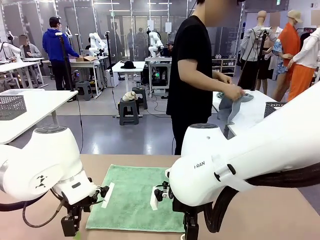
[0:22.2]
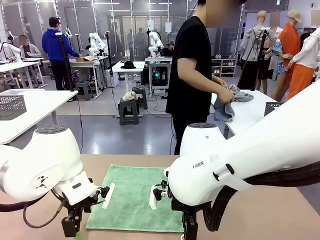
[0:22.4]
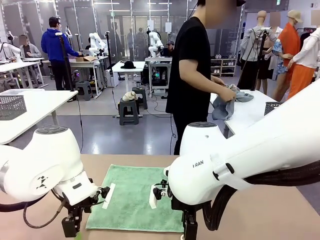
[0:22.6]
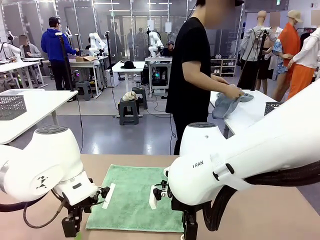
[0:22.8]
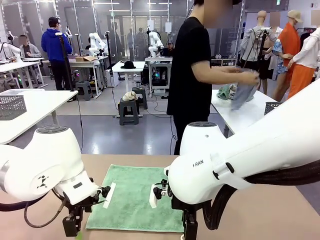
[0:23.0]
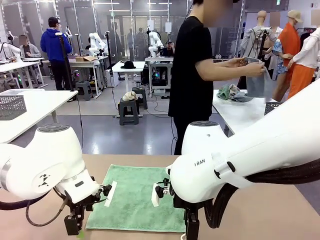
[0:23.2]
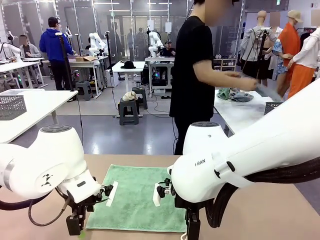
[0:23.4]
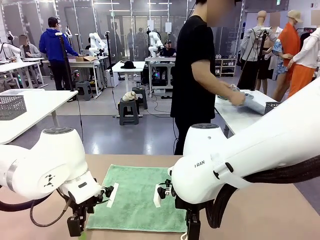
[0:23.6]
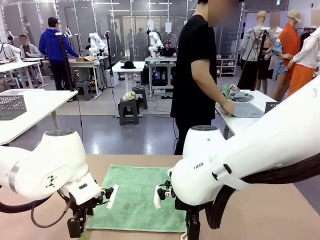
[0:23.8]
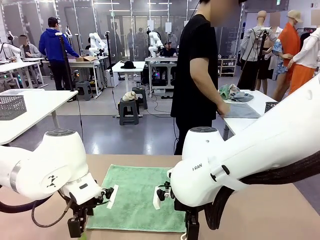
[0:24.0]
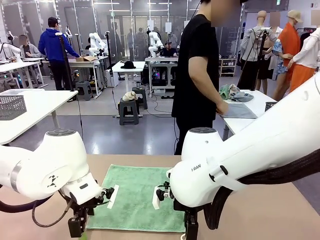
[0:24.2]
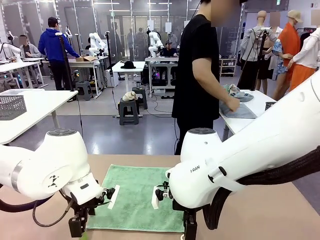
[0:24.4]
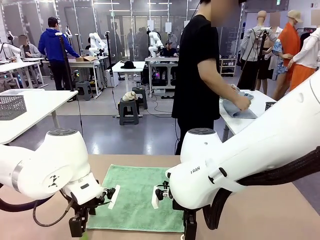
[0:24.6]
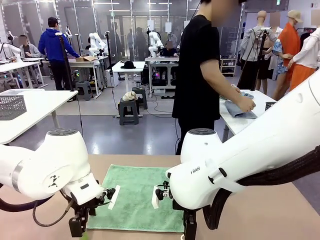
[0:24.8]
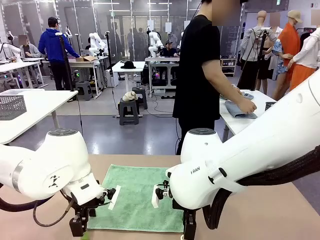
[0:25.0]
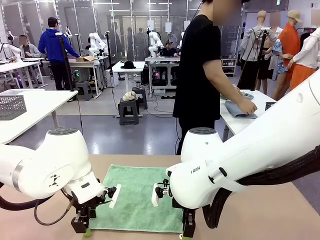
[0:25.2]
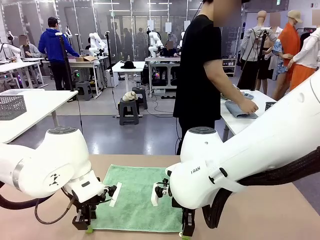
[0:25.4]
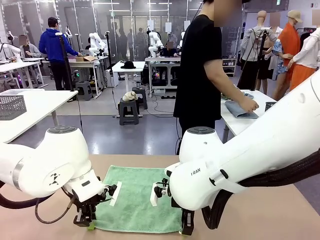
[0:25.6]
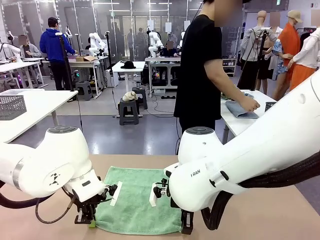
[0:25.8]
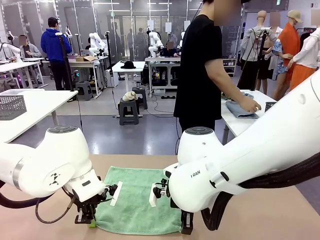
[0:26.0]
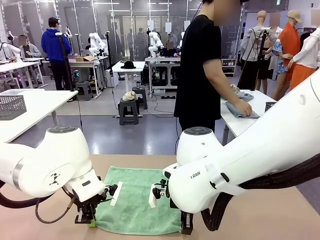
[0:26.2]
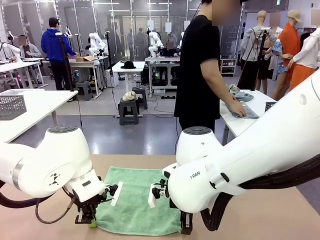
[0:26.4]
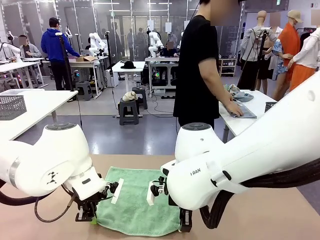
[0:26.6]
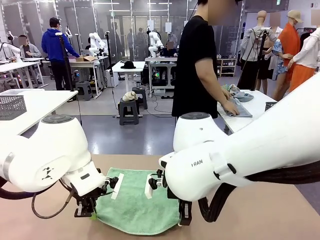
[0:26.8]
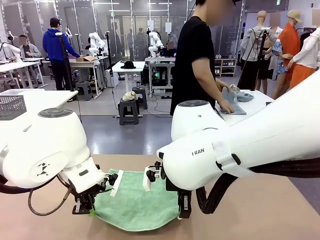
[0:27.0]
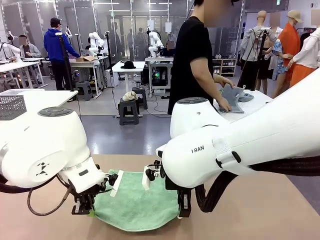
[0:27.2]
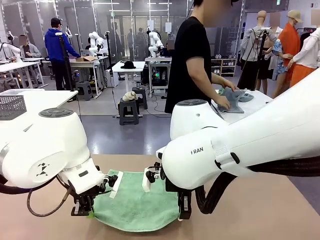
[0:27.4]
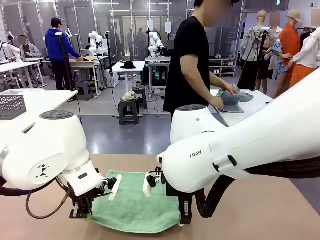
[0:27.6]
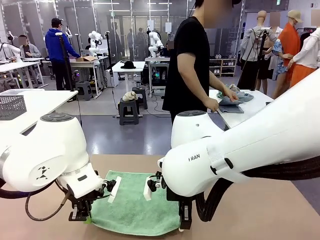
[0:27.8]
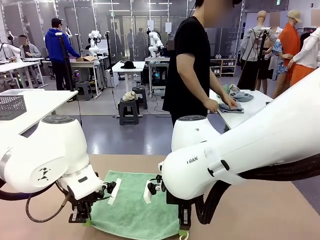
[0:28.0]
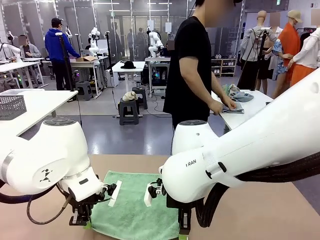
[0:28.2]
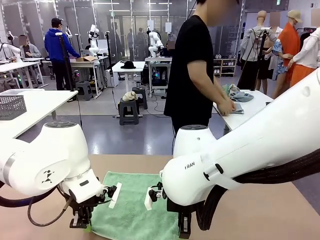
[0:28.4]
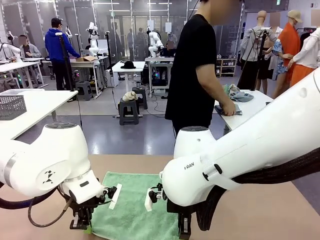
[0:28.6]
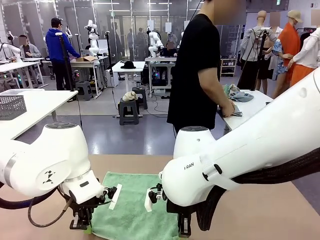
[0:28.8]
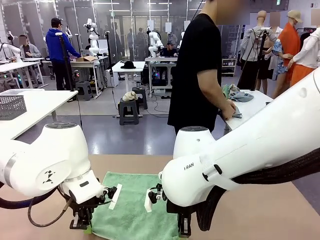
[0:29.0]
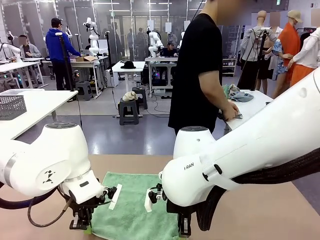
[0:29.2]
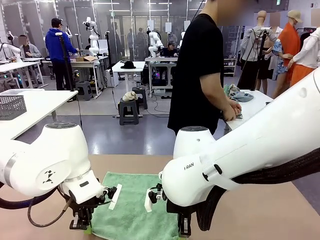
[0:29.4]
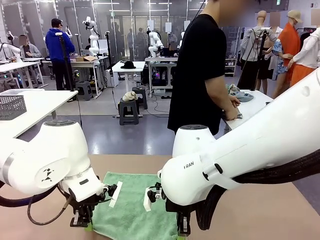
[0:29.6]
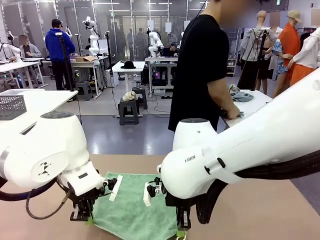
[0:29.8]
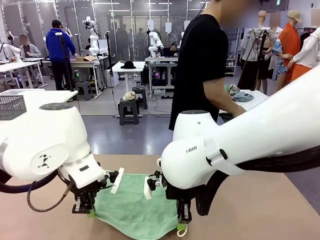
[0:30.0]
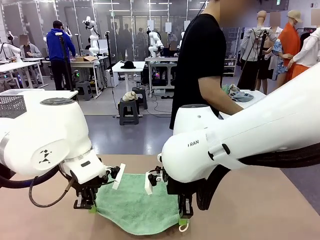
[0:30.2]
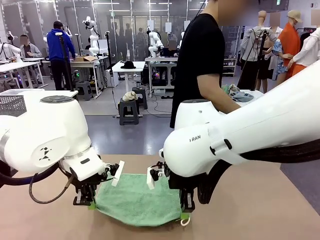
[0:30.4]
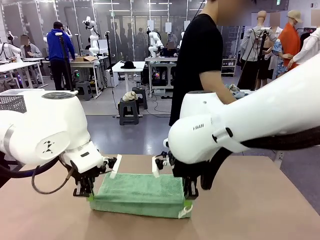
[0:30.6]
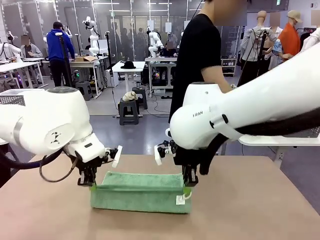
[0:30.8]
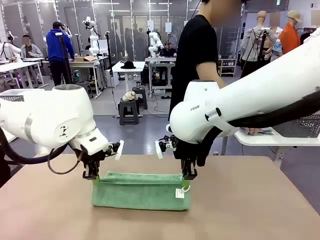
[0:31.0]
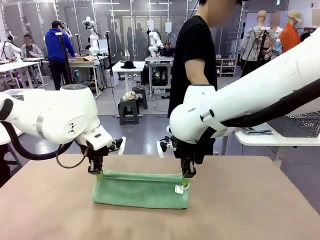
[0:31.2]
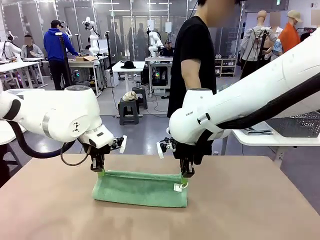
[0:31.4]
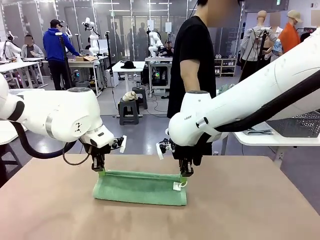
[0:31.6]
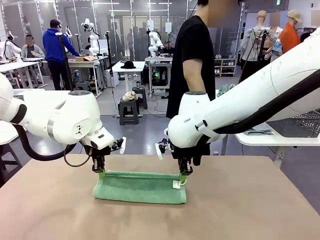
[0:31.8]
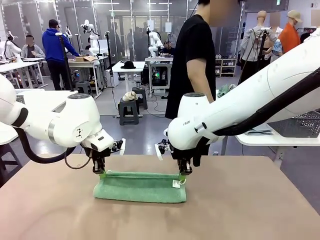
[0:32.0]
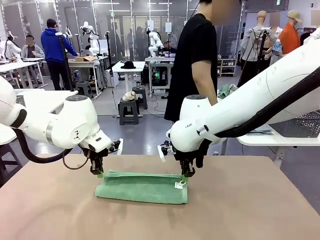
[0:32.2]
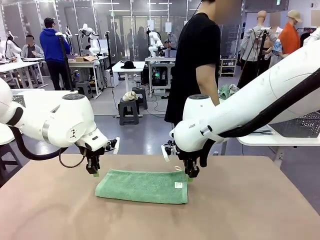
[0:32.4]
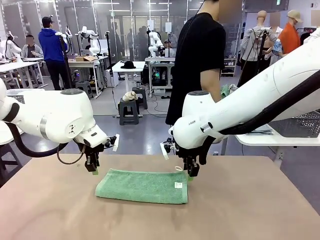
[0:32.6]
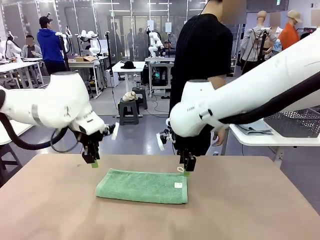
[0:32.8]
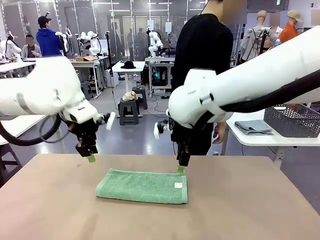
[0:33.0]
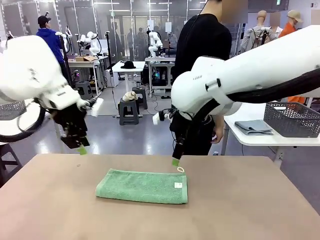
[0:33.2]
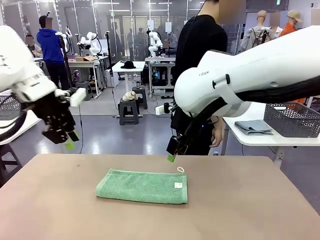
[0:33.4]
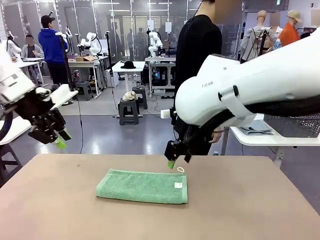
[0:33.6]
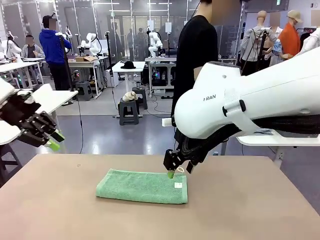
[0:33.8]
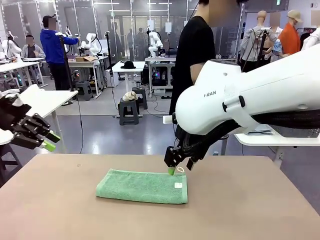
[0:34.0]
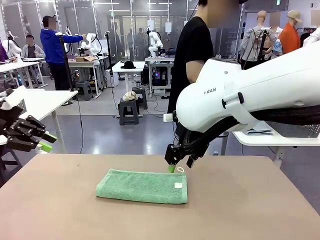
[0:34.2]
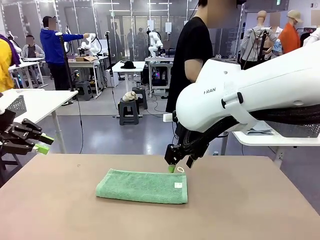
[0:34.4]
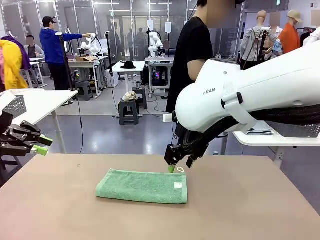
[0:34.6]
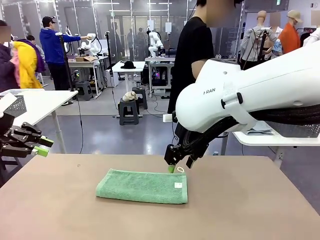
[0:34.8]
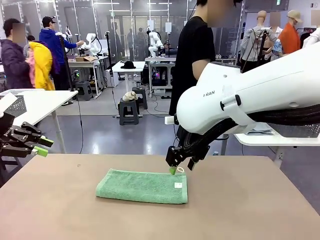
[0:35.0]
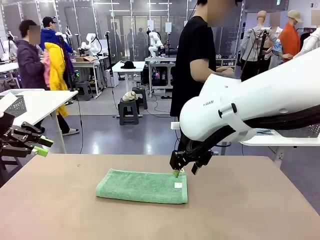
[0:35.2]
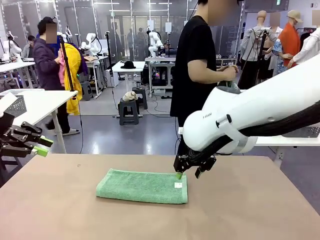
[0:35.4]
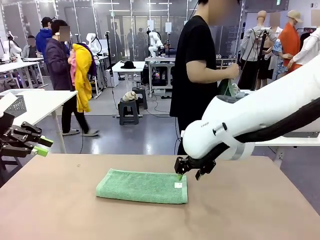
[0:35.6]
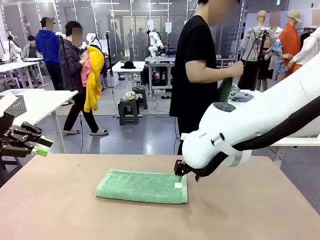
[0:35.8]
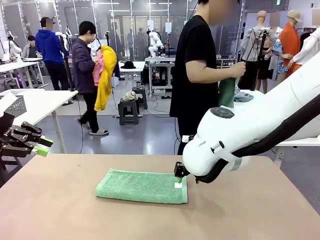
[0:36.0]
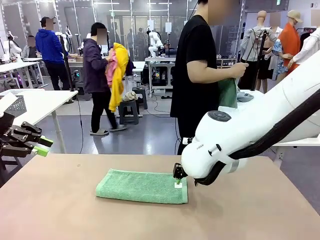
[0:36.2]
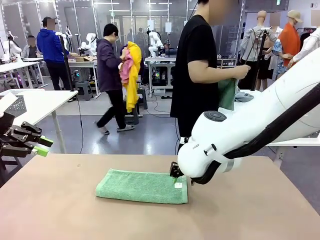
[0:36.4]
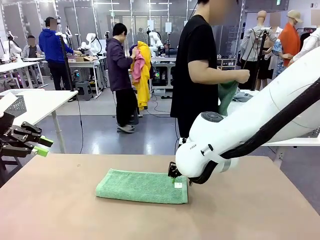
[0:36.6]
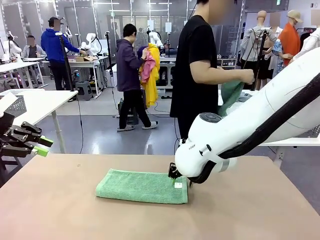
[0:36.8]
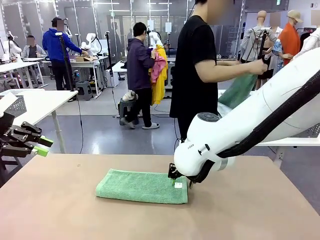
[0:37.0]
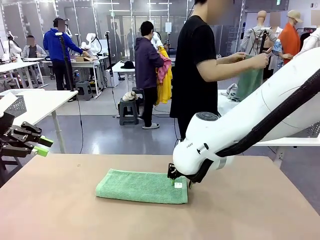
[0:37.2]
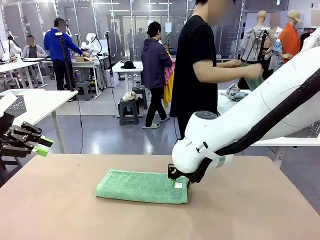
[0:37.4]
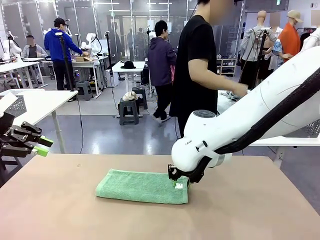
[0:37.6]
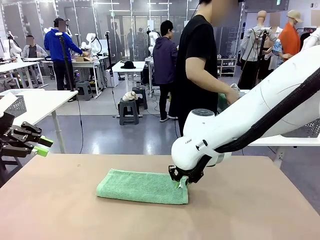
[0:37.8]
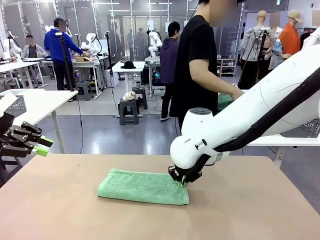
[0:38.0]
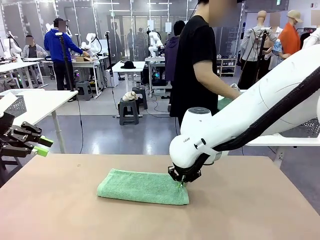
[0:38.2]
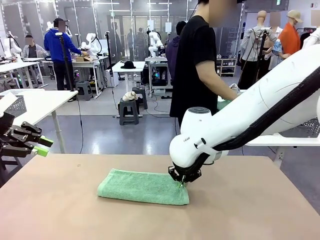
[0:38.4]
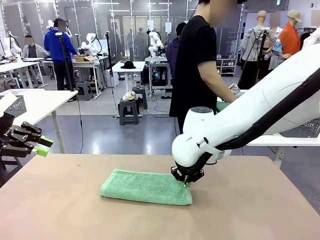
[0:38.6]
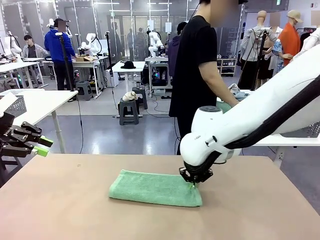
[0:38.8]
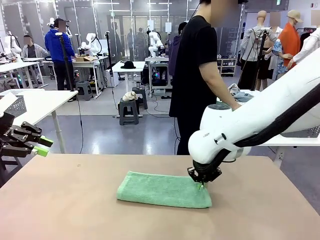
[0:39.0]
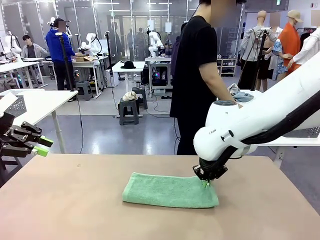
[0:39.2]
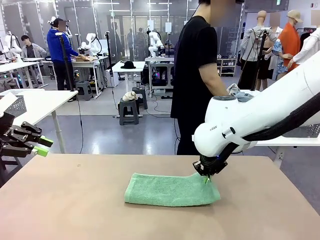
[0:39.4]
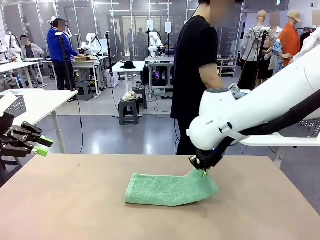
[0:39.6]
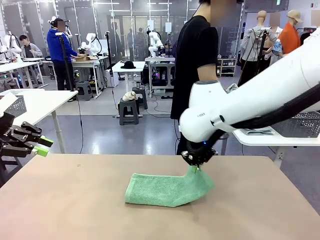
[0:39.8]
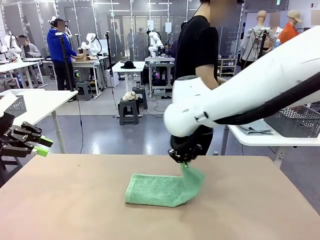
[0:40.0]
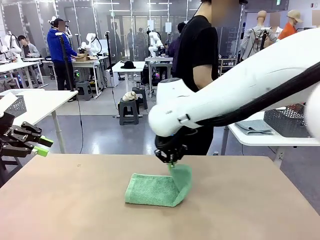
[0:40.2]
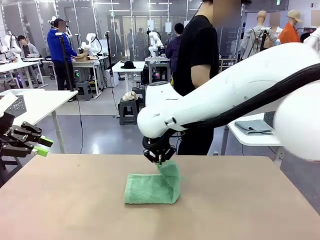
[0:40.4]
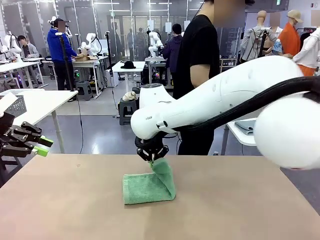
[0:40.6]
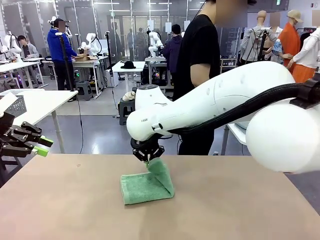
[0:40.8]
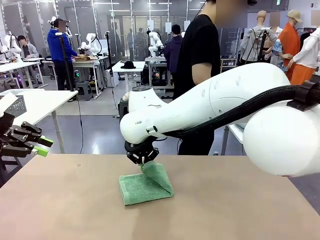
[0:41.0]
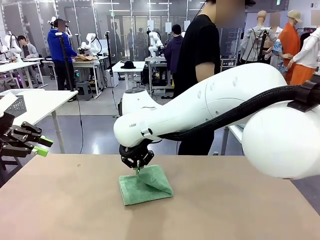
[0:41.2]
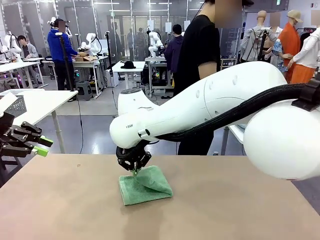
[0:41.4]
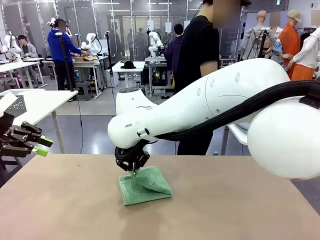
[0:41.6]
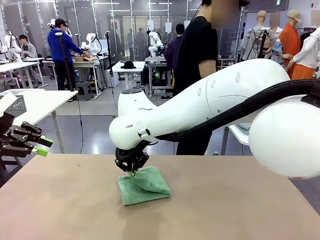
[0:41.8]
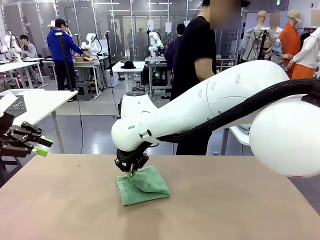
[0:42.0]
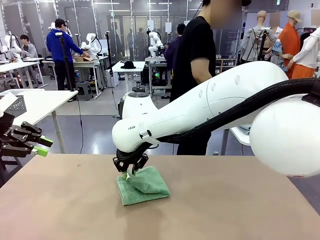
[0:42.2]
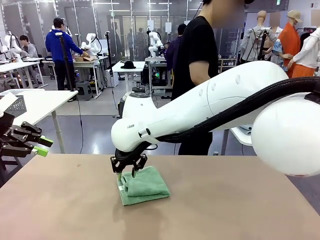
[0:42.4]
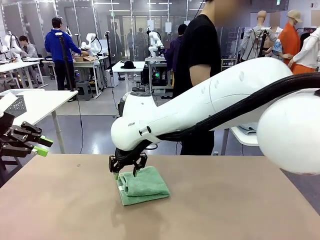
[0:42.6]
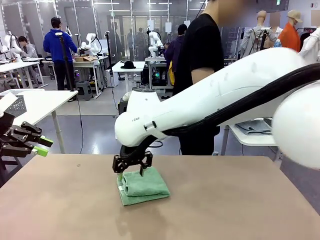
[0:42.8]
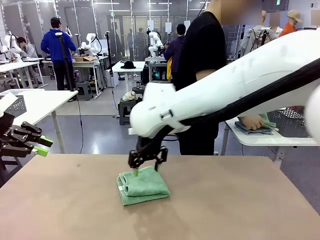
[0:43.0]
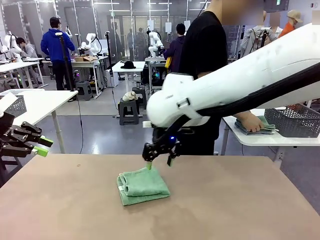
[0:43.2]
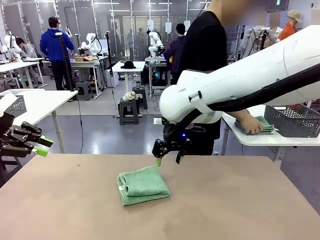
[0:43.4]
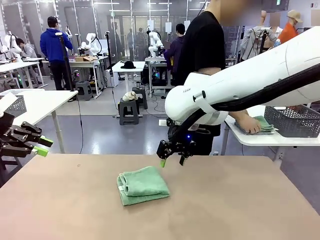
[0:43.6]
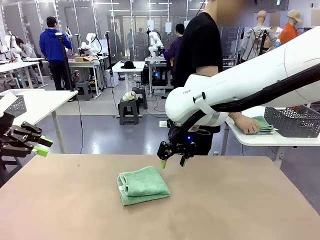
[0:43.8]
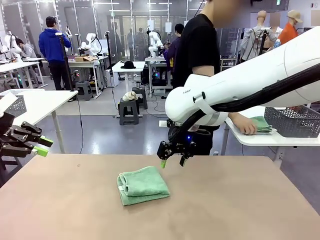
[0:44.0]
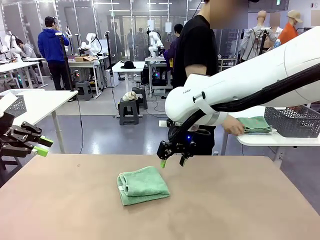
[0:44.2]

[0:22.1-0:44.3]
Task: Fold the towels and place them in the basket.
Robot: When a person lays out a Towel with hook on the table, fold it in half twice.
Person: Pick up one towel from the left side of the human table, fold it in half twice, and place it on the right side of the table. Pick up one towel from the left side of the human table, fold it in half twice, and stack it on the right side of the table.
